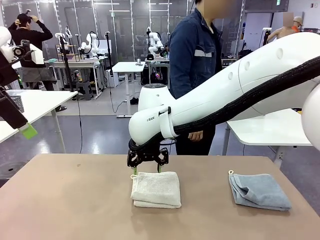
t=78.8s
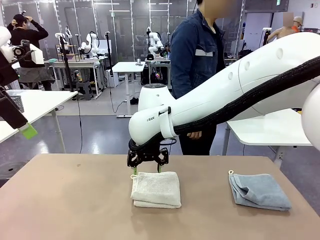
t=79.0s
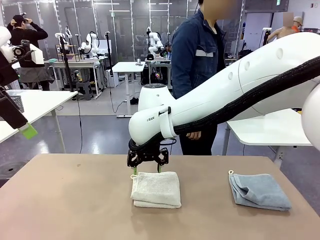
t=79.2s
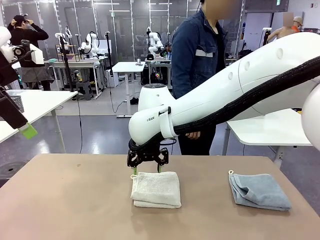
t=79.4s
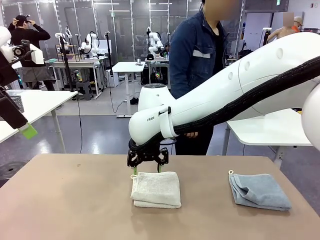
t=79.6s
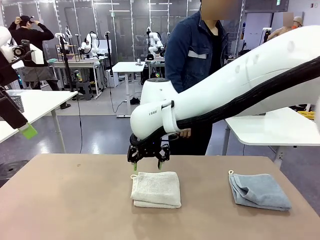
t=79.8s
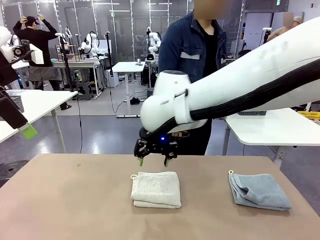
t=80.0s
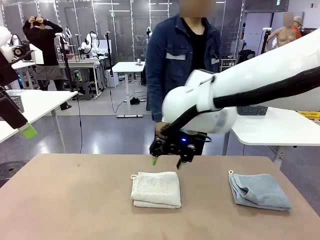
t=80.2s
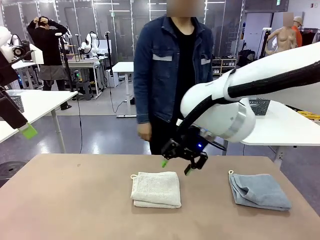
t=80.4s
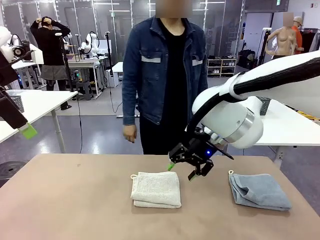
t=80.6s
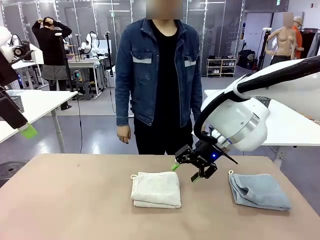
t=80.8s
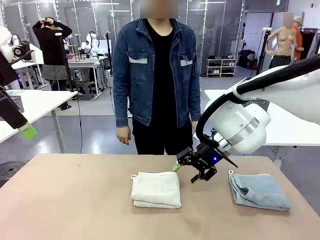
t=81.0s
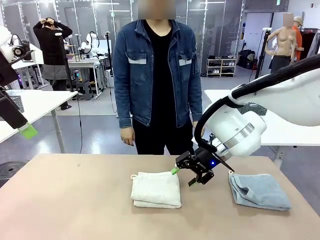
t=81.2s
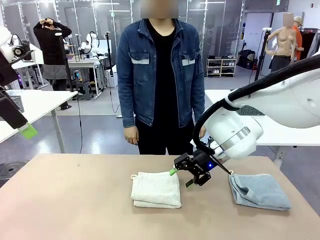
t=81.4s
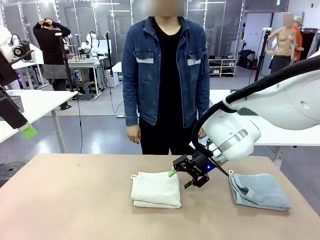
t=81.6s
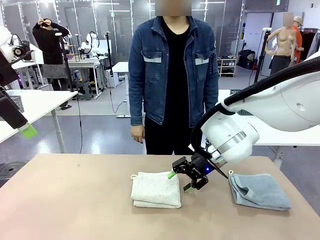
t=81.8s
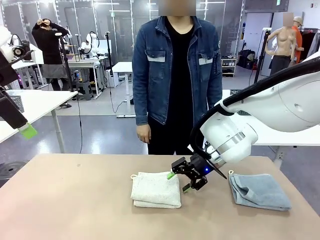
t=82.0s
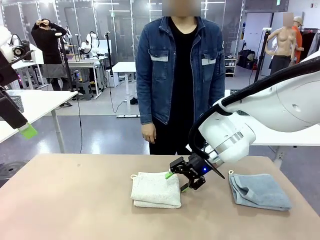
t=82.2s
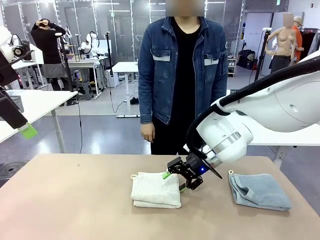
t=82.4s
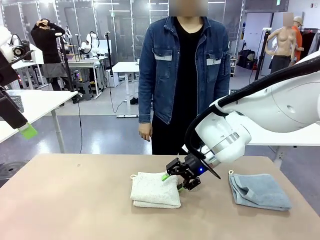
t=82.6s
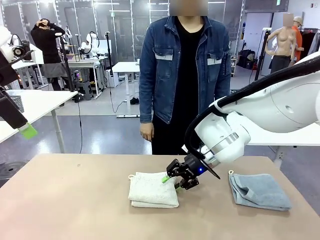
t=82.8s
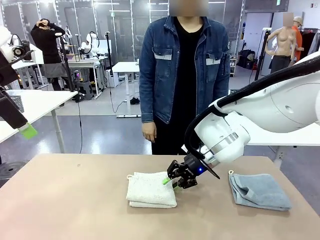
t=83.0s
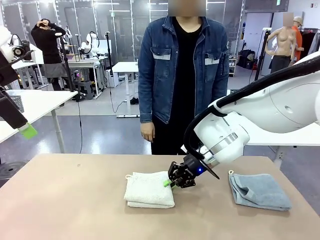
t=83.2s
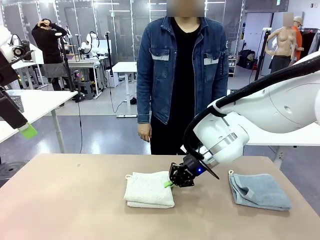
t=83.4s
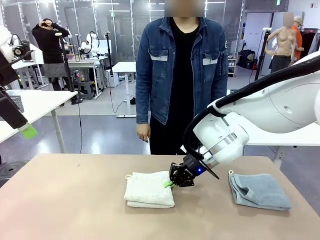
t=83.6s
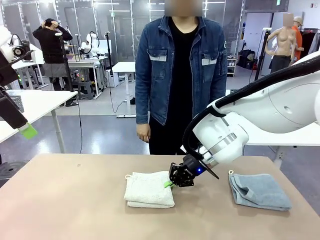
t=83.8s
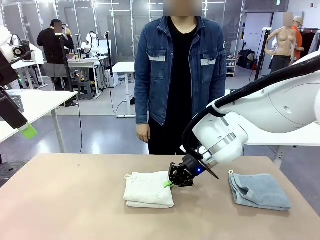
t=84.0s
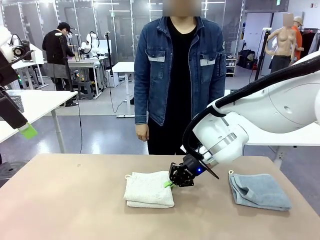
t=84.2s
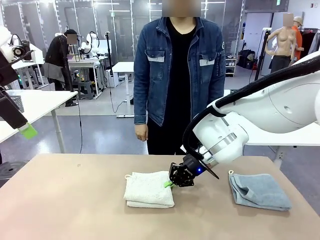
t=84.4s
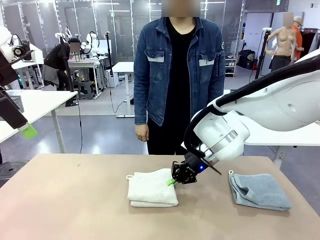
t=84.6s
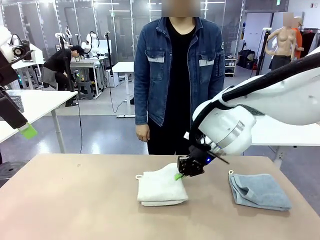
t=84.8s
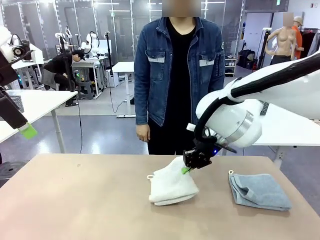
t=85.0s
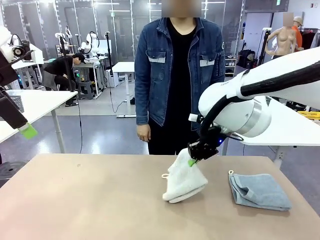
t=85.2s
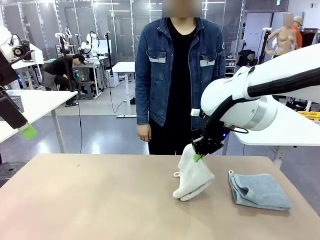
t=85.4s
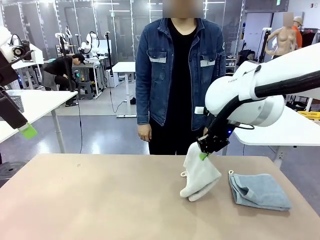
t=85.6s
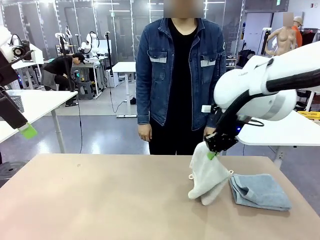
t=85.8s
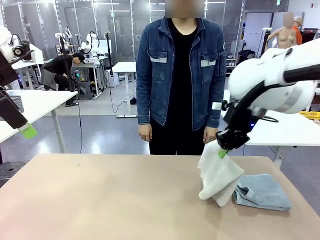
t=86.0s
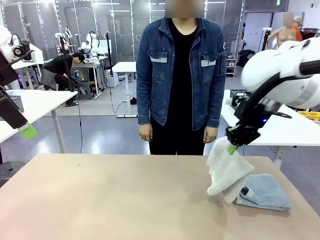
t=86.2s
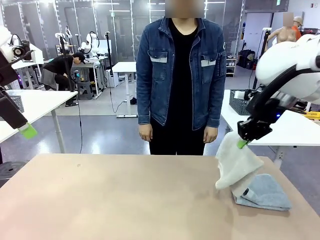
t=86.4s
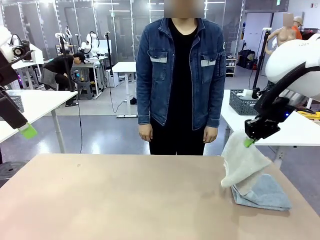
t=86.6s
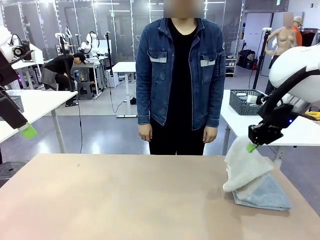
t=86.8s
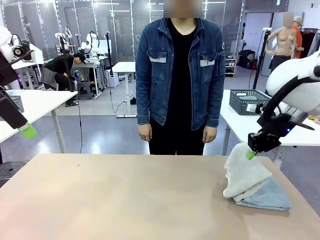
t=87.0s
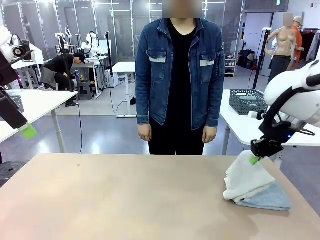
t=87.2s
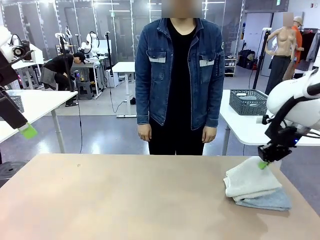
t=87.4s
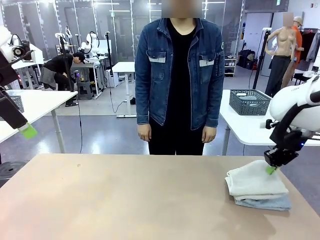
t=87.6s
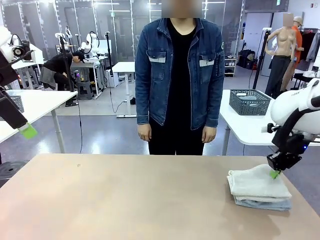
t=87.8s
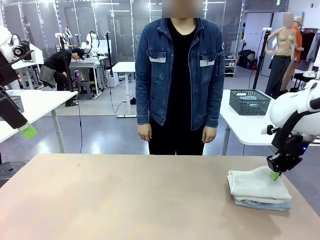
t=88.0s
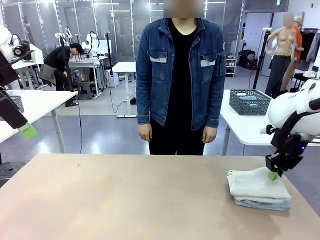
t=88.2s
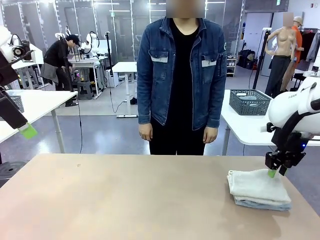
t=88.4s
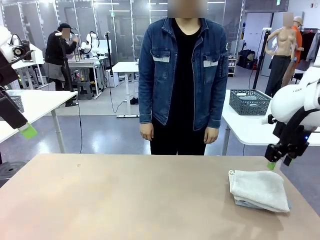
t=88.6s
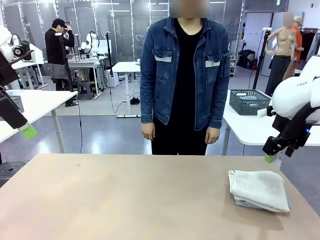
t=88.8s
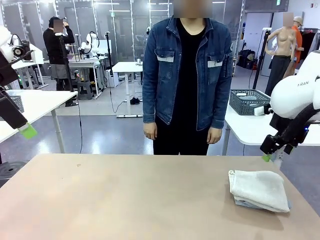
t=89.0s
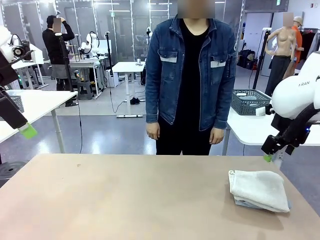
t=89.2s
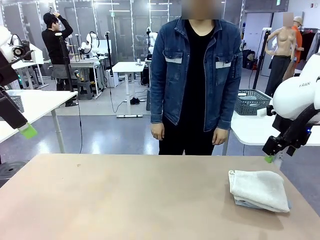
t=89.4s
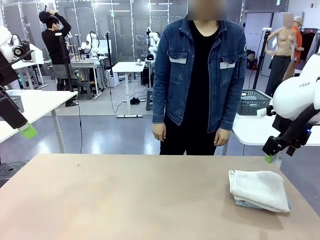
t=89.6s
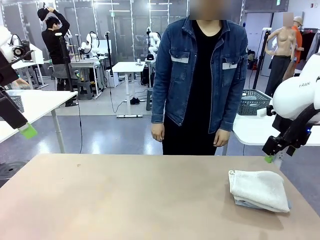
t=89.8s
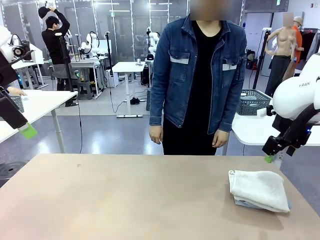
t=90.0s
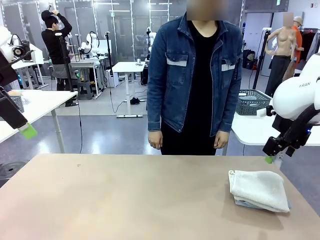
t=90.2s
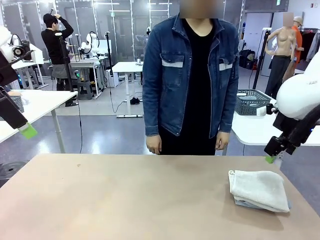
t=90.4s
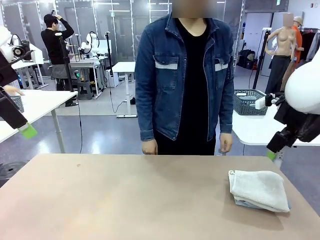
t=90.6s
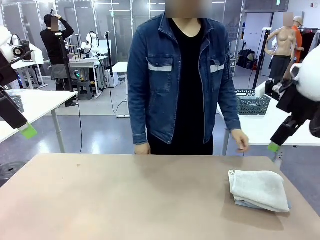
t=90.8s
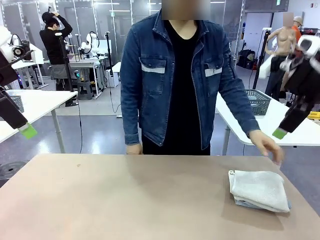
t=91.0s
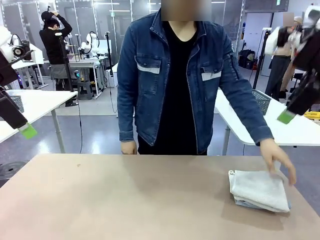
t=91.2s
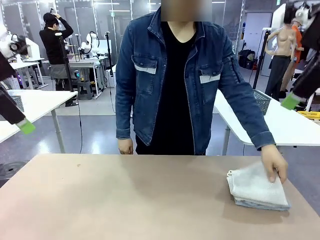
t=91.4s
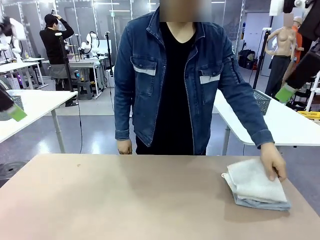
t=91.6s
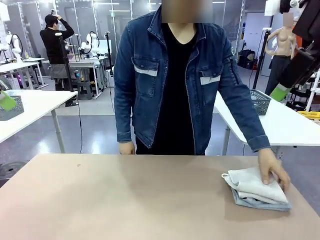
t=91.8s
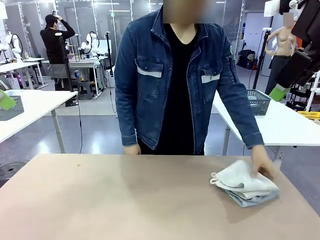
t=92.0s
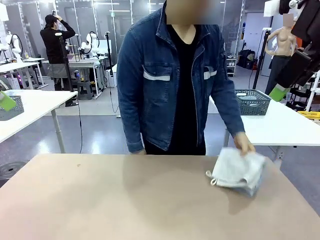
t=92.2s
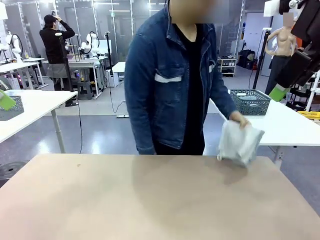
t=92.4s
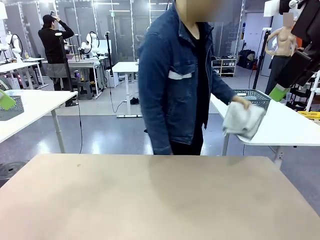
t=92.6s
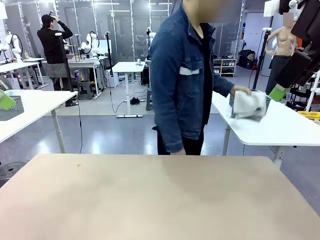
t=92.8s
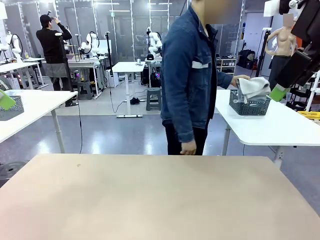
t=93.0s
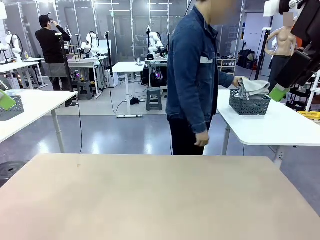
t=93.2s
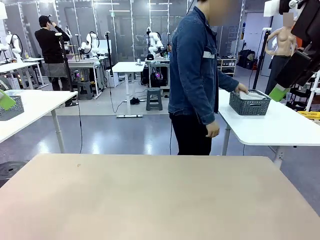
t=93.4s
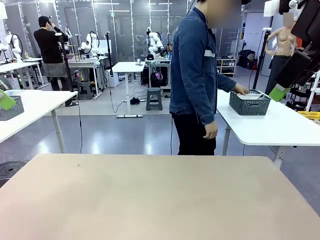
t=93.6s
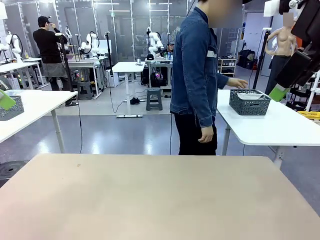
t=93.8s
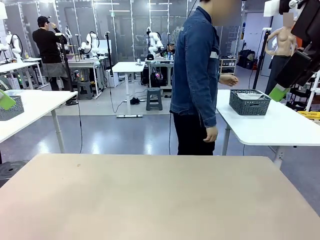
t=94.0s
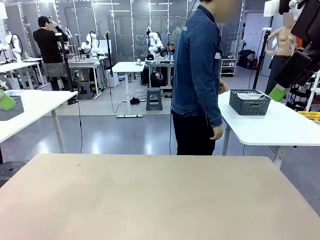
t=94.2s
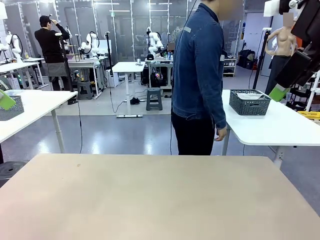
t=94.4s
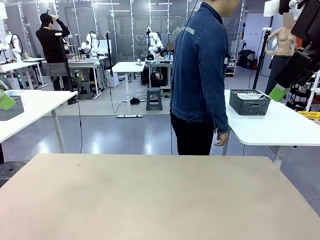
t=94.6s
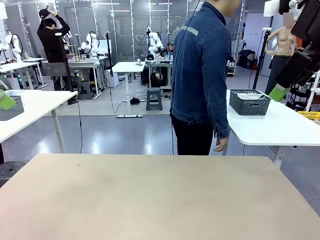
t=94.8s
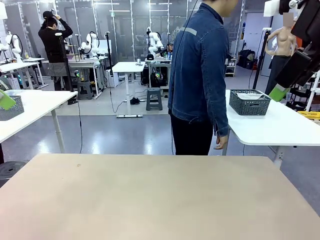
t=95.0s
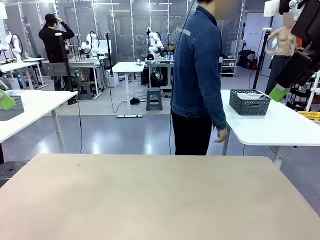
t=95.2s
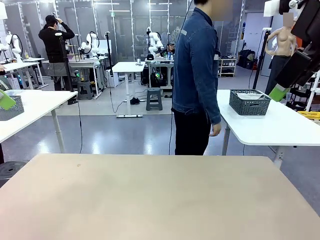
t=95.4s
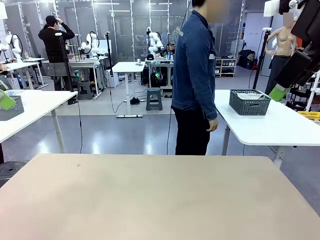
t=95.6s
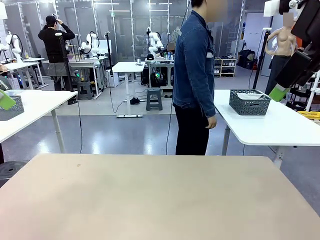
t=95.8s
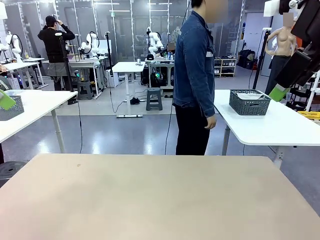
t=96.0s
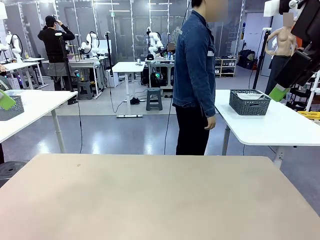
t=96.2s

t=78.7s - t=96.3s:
Task: Fold the towels and place them in the basket.
Robot: Stack the folded Towel with hook on the right side of the table.
Person: Pick up the stack of towels from the robot table and place it into the basket.
